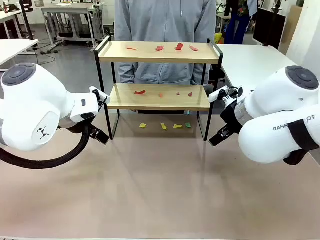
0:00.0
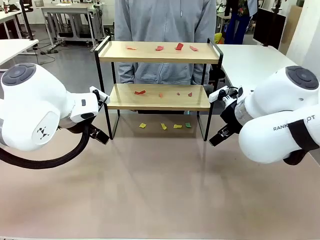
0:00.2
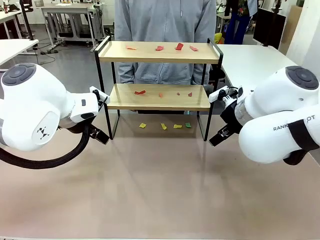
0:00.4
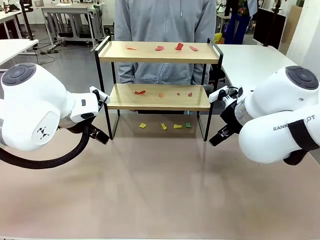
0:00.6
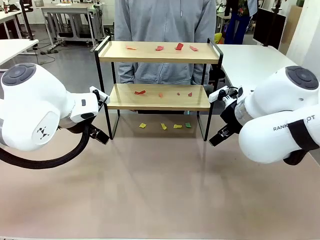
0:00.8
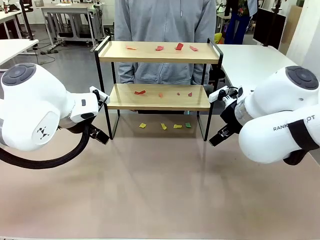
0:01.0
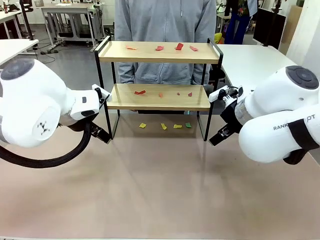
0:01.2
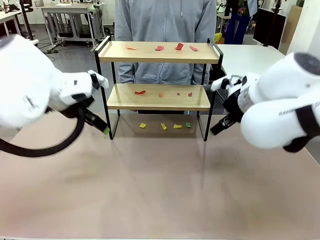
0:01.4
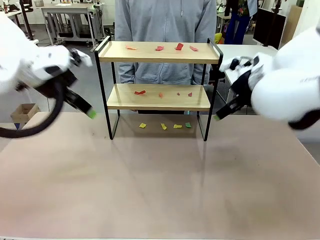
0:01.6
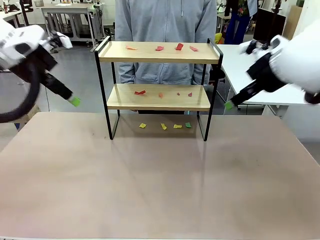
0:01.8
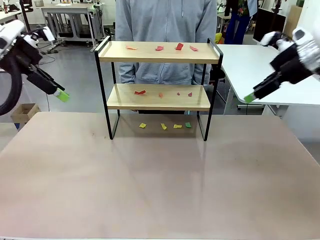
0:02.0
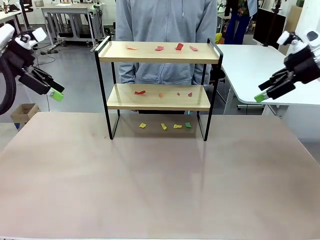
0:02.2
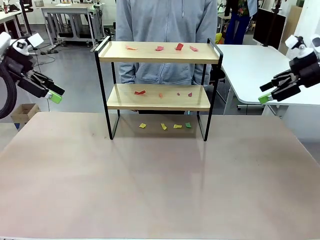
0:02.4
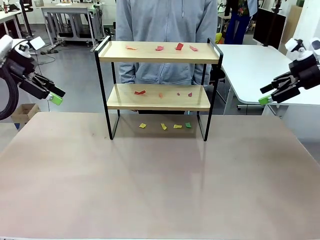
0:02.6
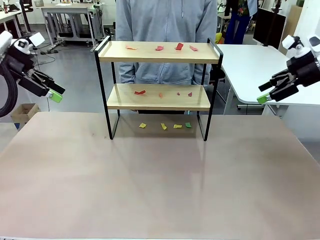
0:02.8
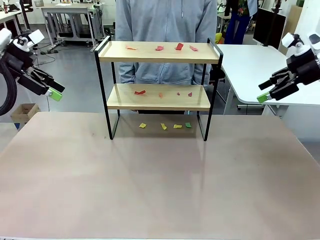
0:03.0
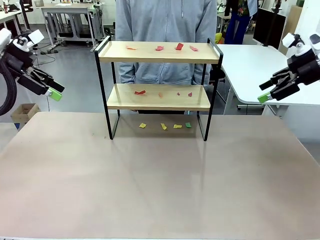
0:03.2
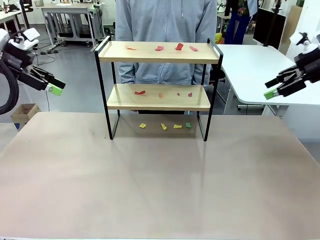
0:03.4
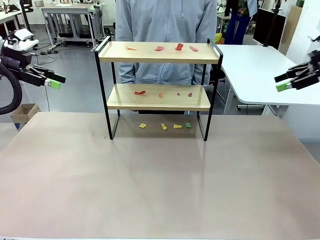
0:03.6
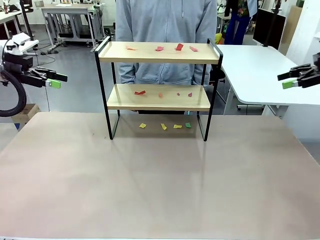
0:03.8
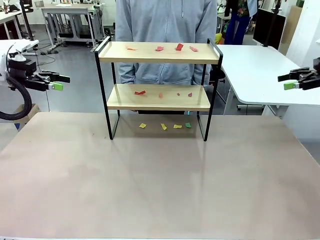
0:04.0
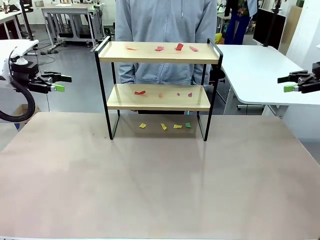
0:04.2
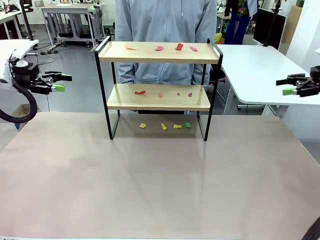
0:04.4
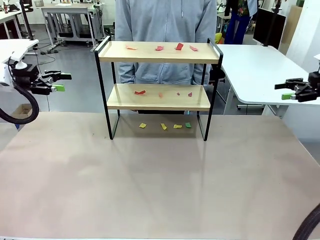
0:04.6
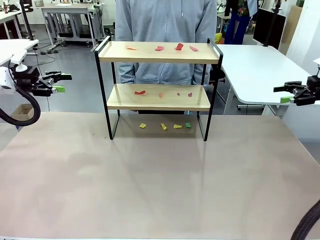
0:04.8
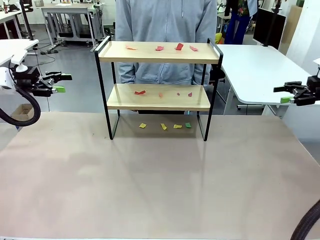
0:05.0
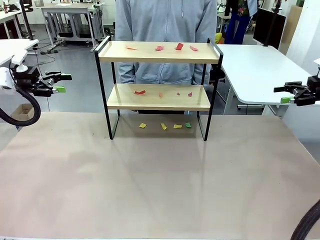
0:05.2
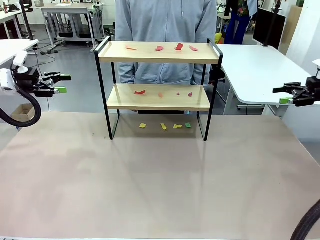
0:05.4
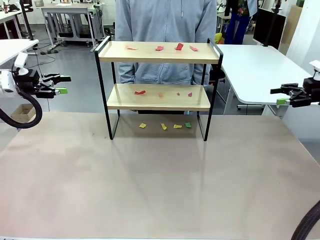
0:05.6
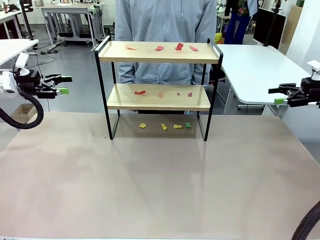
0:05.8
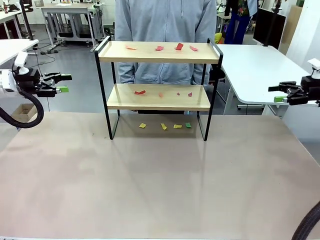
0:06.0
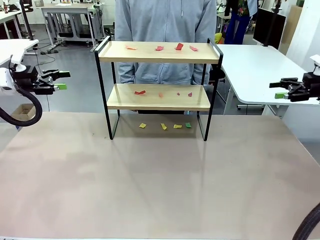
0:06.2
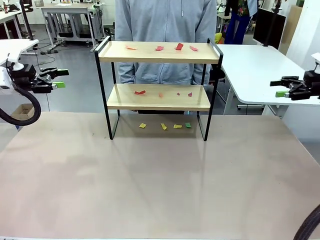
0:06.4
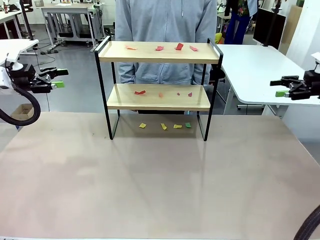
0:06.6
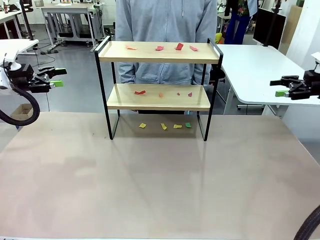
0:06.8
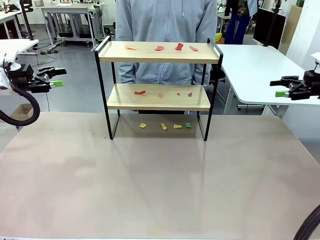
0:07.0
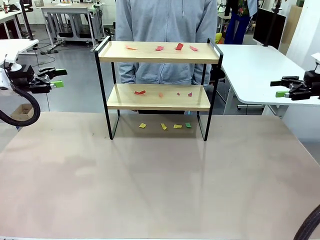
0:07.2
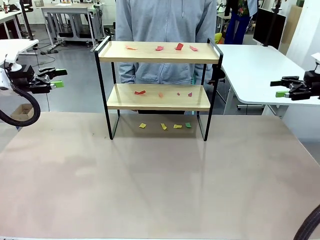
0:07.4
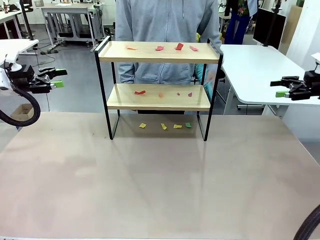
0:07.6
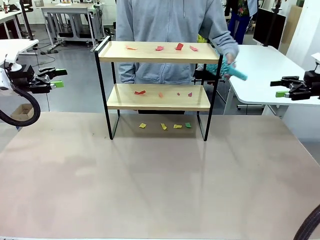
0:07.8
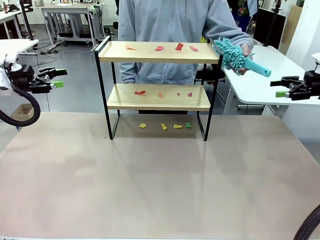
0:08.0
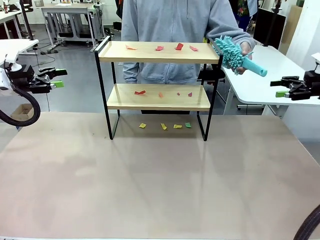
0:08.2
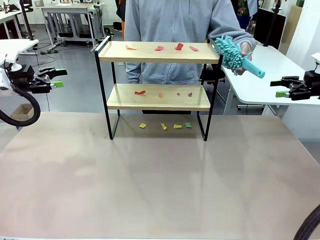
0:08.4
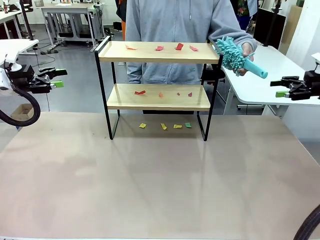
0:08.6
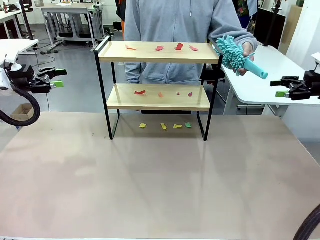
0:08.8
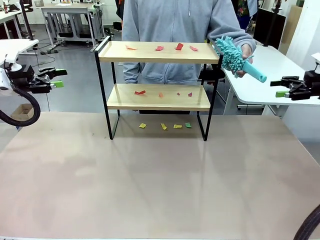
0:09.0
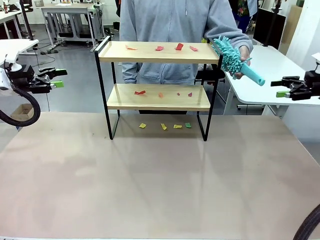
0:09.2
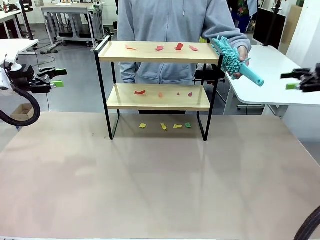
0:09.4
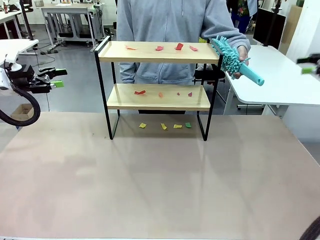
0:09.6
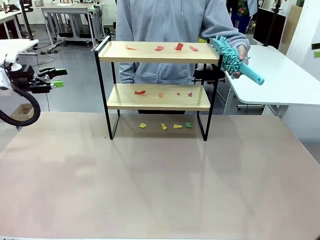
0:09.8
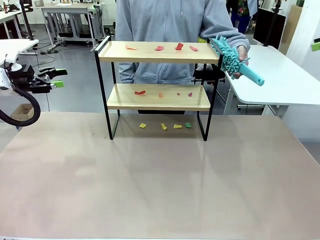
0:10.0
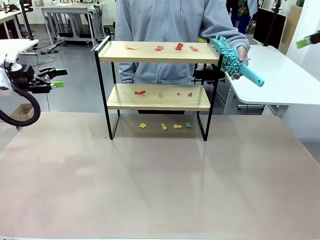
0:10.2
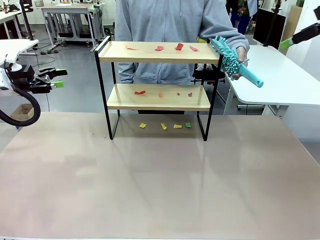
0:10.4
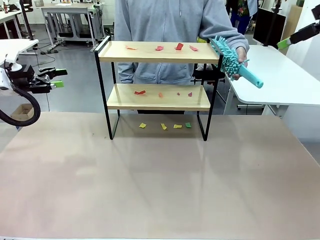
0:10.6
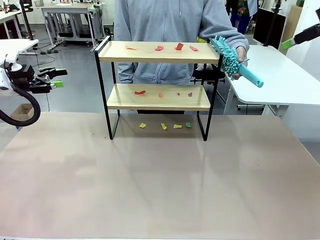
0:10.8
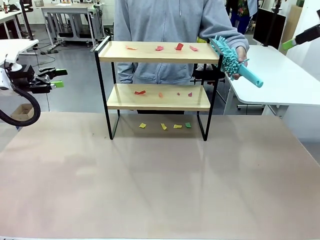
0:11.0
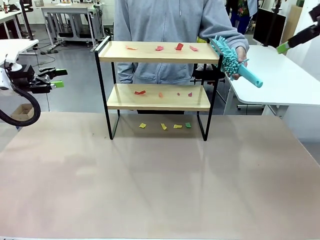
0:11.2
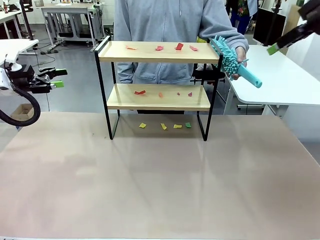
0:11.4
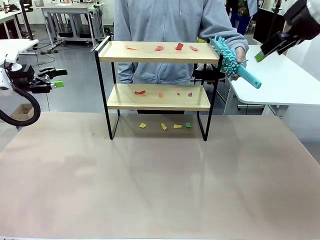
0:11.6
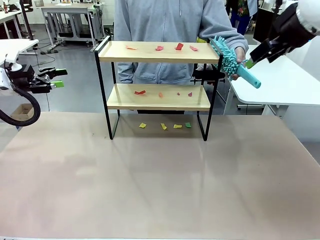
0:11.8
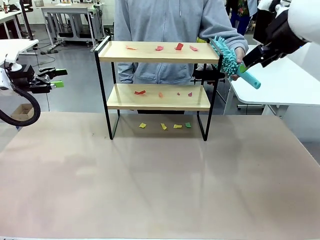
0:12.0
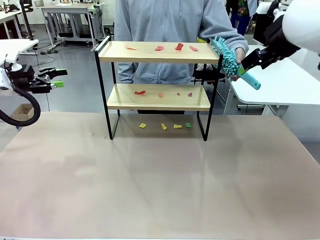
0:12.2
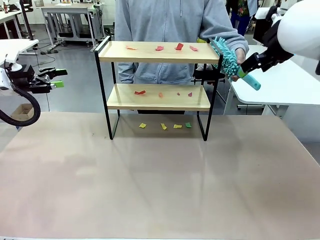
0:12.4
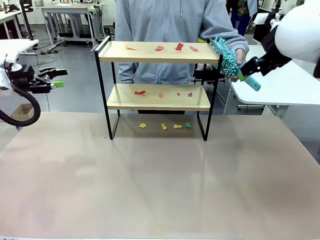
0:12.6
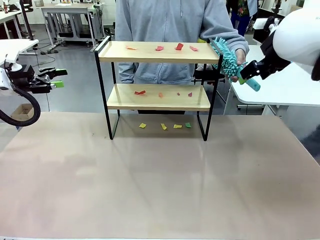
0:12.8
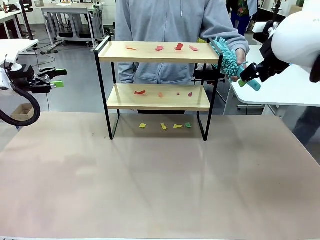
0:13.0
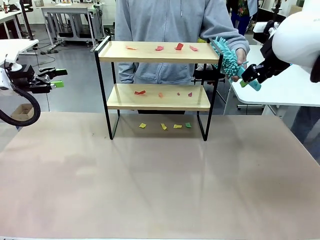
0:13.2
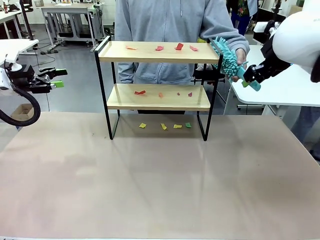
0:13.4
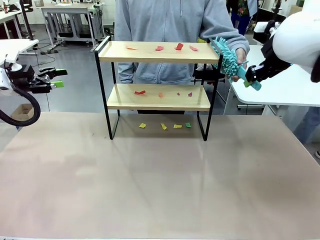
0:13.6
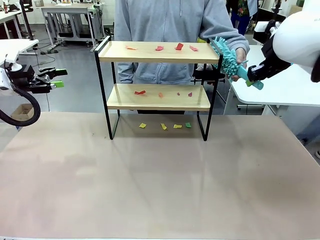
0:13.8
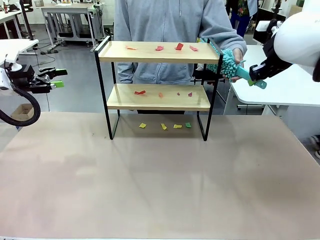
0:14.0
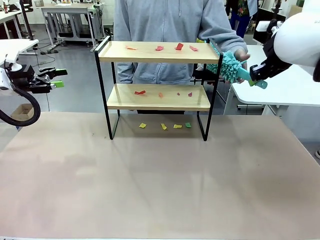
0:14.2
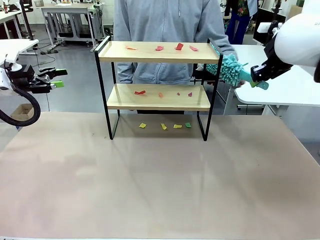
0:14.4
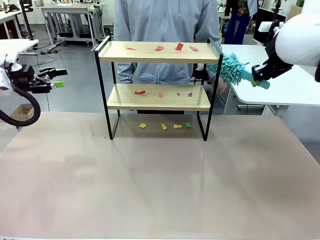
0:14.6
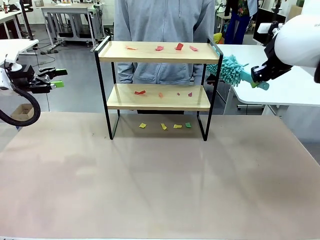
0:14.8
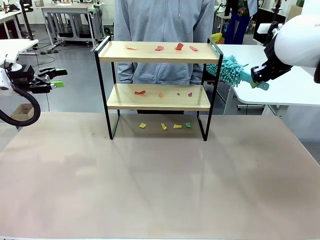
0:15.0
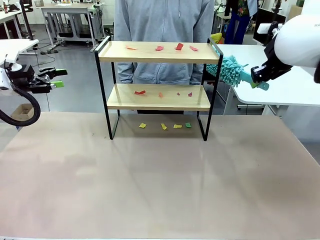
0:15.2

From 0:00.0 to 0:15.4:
Task: Clean the shelf.
Robot: Pick up the Duster handed by the human.
Person: Hand the Duster to the robot.
